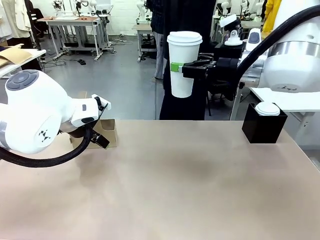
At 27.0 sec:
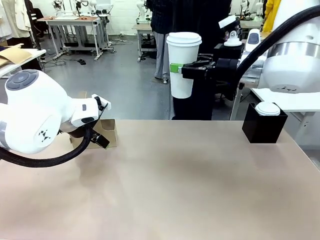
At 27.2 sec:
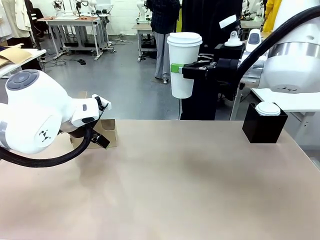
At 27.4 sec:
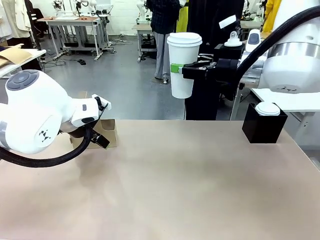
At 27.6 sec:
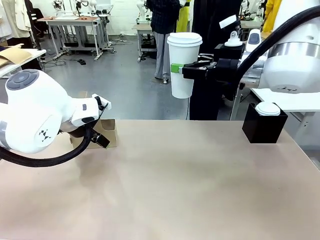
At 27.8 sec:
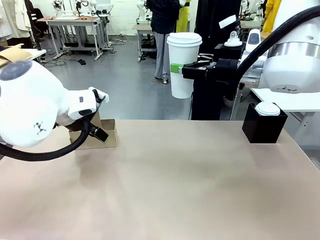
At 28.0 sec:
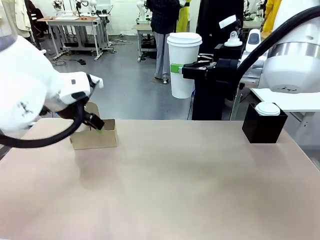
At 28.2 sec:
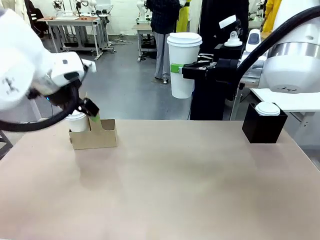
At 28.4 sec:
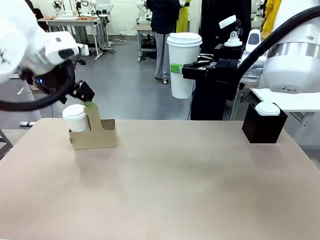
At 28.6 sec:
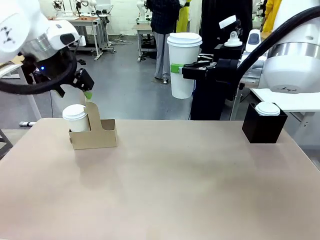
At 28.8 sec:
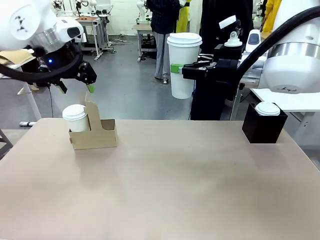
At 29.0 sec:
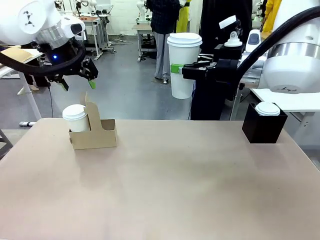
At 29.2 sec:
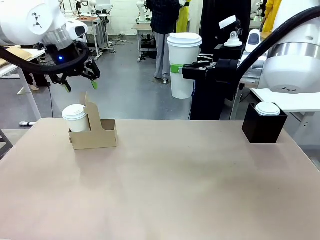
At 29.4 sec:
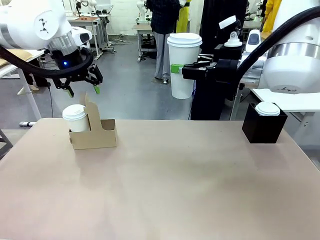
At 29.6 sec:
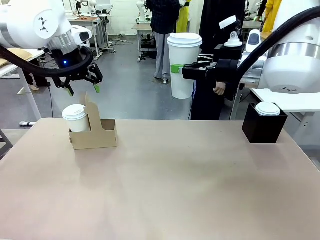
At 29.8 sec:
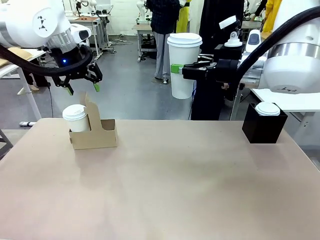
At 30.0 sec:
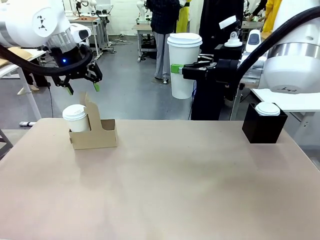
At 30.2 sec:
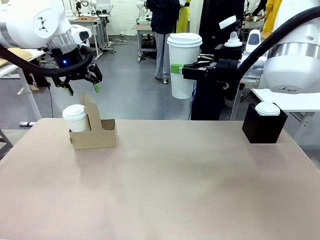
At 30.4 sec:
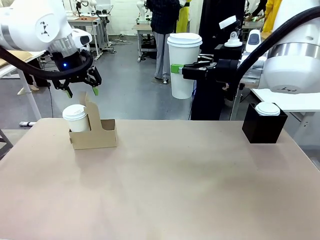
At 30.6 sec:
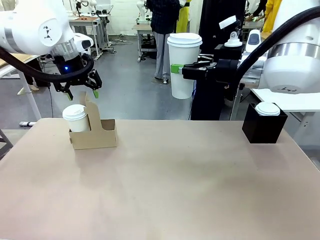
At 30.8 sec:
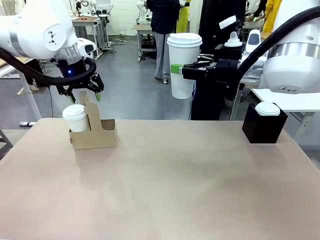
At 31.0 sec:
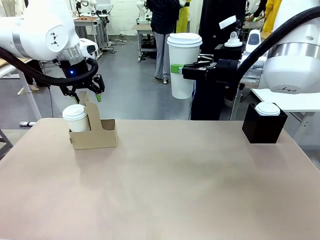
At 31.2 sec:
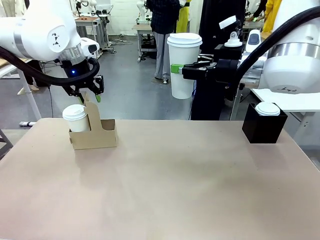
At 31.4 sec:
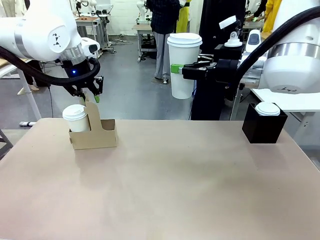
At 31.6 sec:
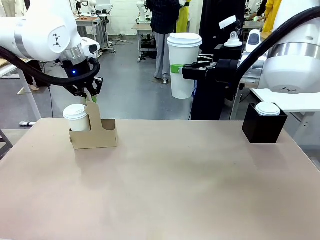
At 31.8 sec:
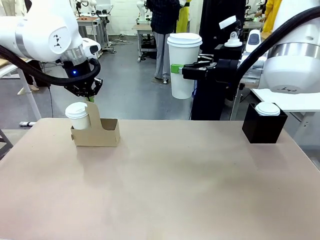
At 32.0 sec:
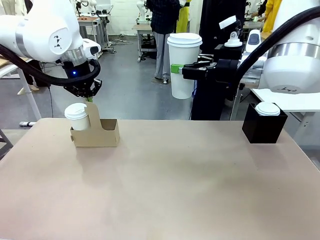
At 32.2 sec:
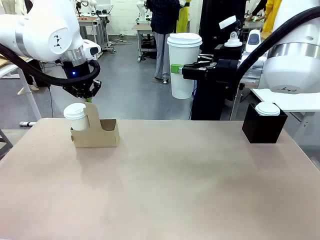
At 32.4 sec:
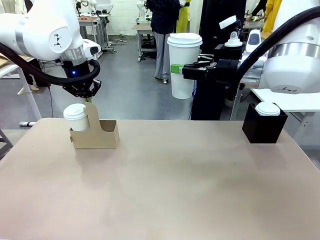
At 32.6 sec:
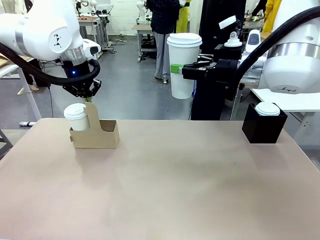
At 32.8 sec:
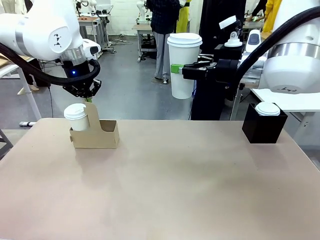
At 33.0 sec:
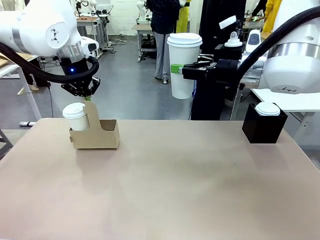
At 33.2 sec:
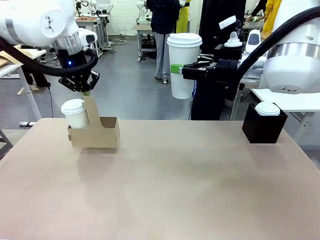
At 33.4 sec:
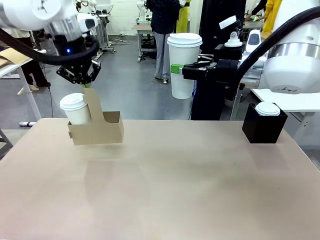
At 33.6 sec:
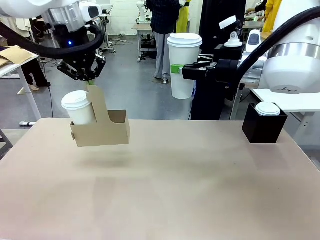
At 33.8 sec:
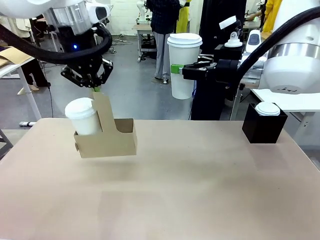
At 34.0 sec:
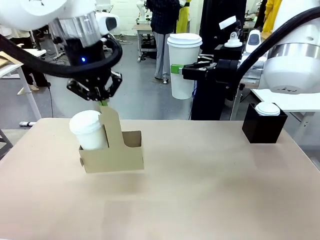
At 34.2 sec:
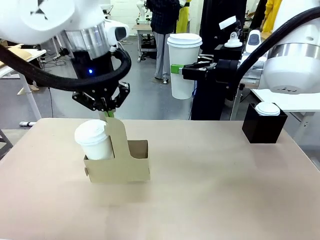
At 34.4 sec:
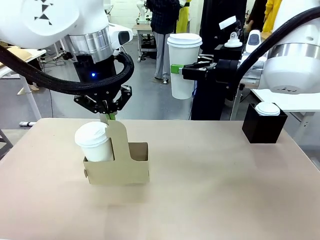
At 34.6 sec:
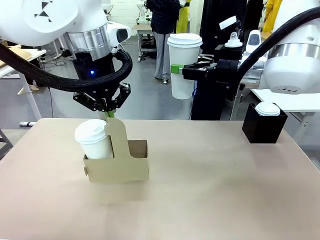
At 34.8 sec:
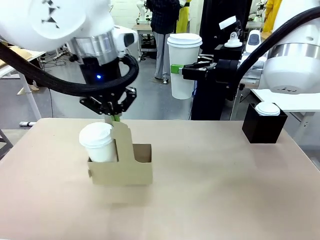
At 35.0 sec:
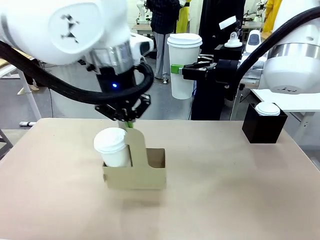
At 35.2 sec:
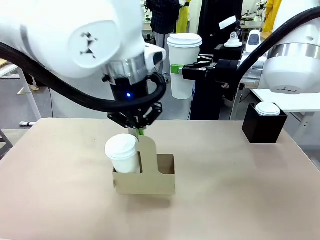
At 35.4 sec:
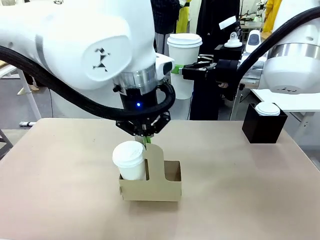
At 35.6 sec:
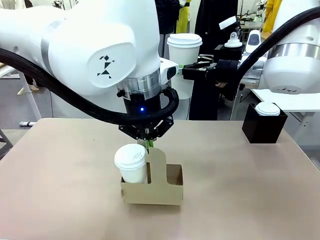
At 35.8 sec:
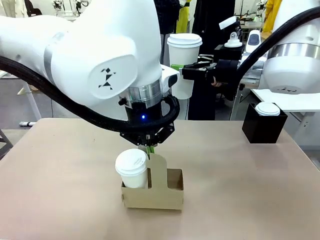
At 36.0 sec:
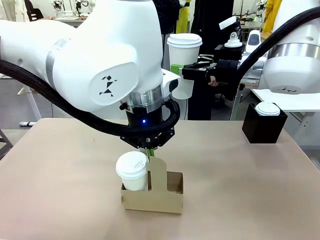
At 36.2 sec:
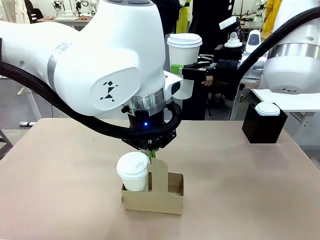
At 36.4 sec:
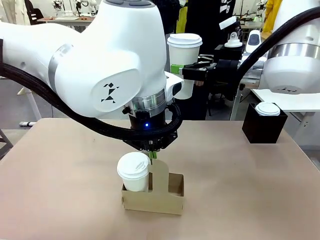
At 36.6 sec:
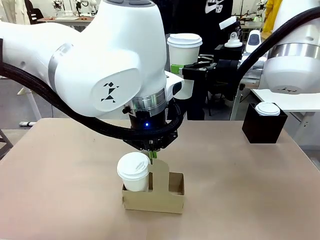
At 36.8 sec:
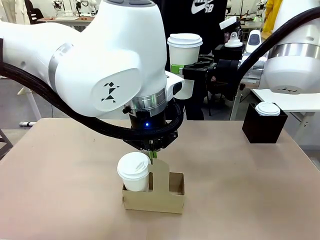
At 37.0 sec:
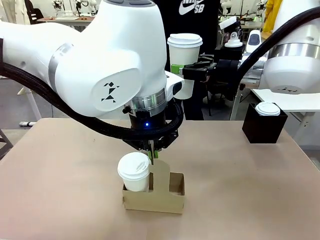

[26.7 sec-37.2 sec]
Task: Pour a drink into a cup and package it in a carrier.
Robot: Position the Cup Carrier in the center of the table.
Person: Pick up the Filter Brewing and place on the middle of Human table, and return to the Robot table.

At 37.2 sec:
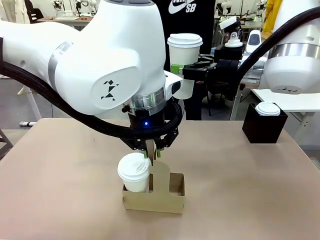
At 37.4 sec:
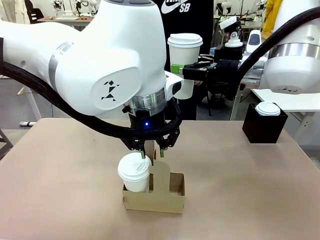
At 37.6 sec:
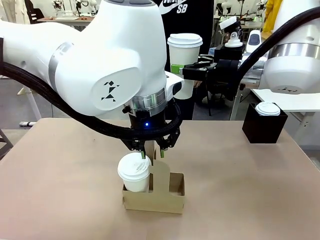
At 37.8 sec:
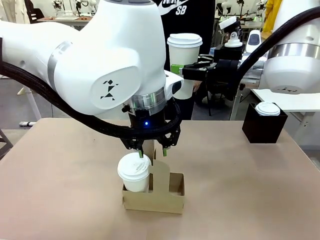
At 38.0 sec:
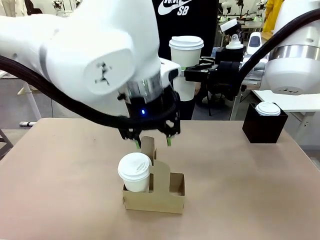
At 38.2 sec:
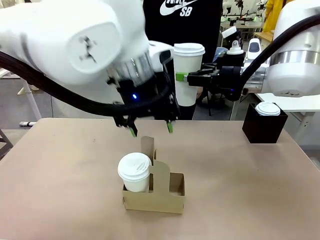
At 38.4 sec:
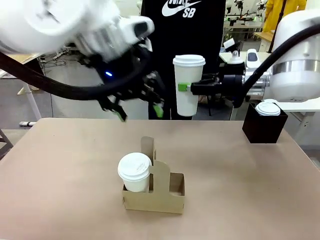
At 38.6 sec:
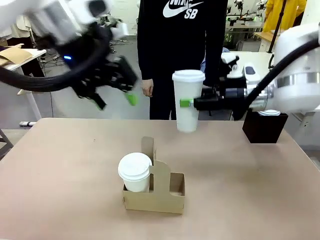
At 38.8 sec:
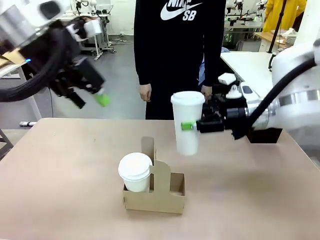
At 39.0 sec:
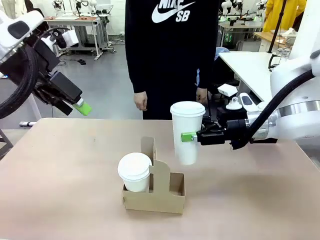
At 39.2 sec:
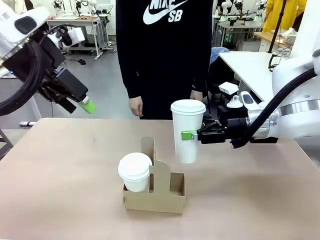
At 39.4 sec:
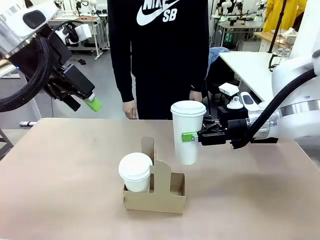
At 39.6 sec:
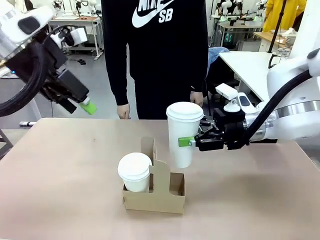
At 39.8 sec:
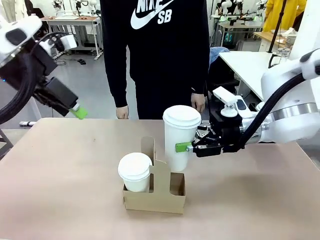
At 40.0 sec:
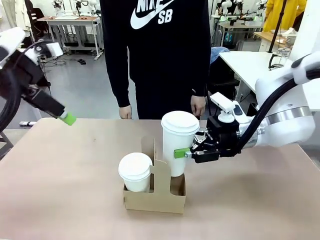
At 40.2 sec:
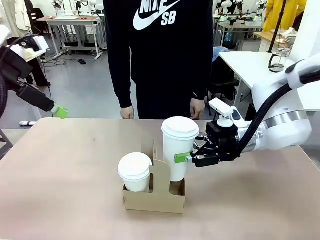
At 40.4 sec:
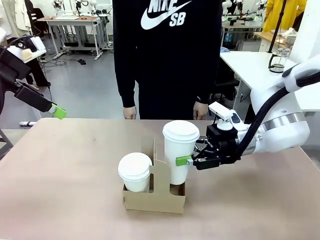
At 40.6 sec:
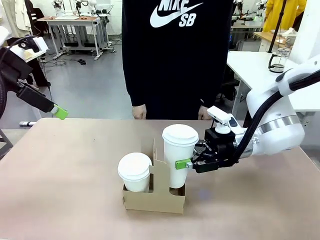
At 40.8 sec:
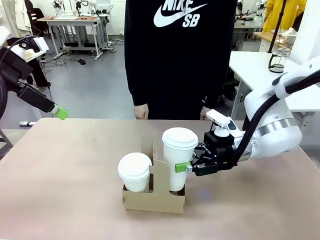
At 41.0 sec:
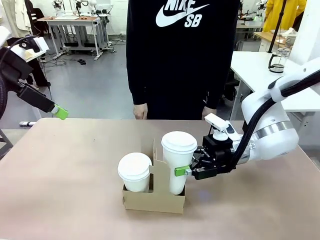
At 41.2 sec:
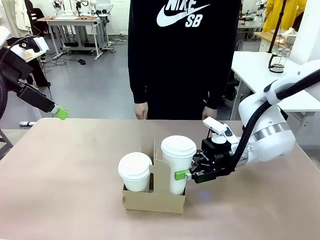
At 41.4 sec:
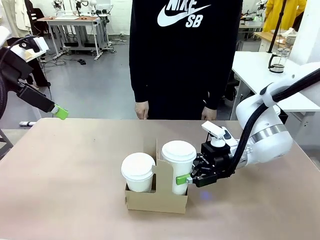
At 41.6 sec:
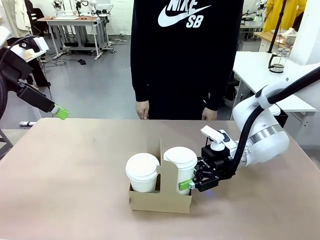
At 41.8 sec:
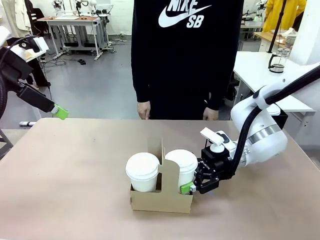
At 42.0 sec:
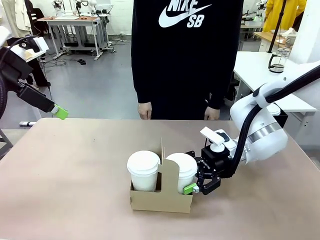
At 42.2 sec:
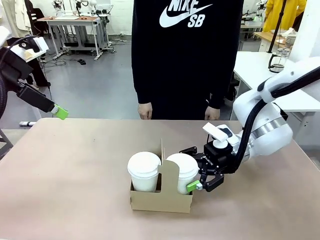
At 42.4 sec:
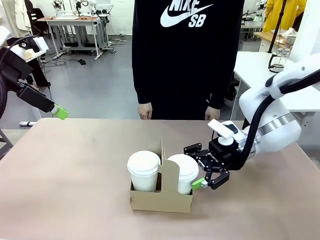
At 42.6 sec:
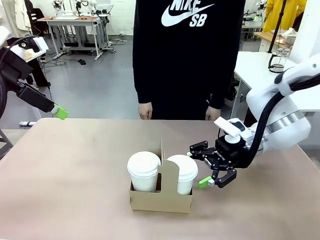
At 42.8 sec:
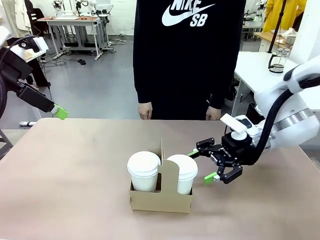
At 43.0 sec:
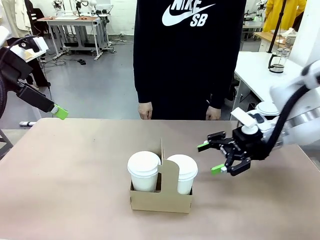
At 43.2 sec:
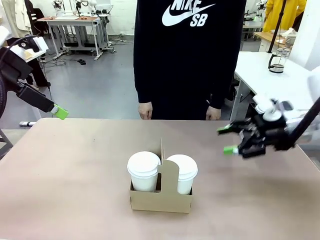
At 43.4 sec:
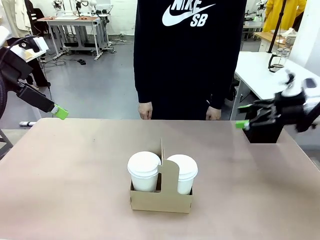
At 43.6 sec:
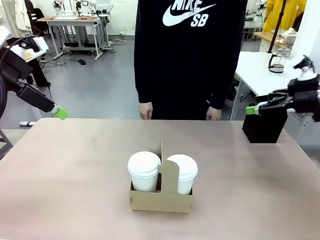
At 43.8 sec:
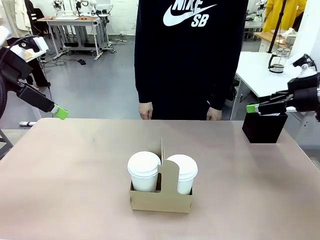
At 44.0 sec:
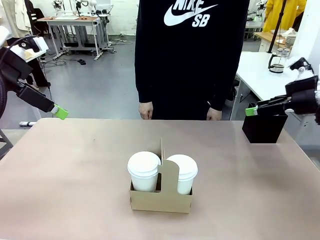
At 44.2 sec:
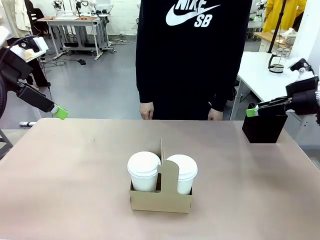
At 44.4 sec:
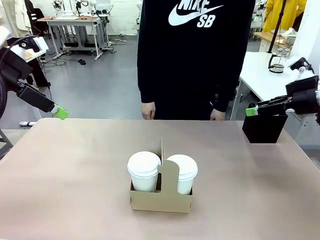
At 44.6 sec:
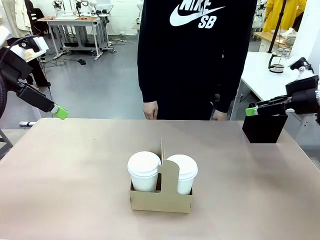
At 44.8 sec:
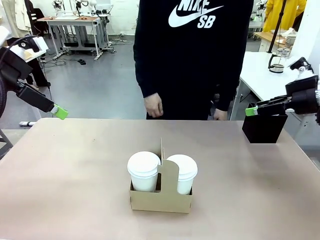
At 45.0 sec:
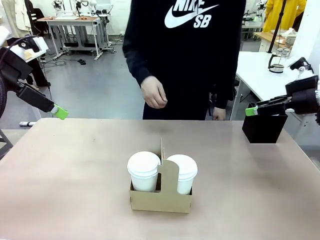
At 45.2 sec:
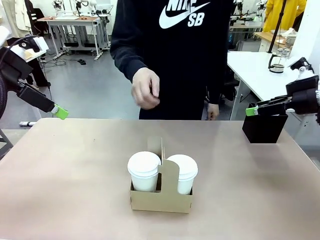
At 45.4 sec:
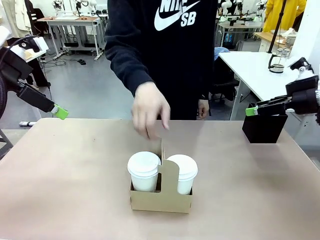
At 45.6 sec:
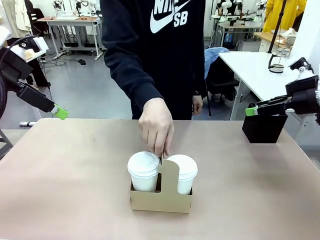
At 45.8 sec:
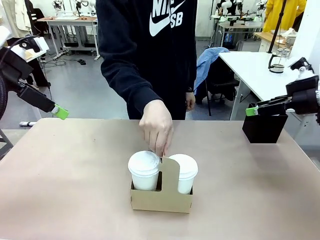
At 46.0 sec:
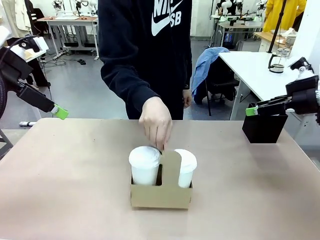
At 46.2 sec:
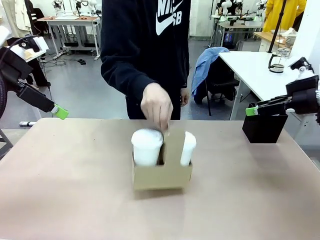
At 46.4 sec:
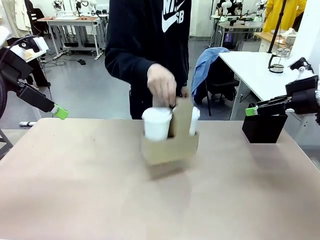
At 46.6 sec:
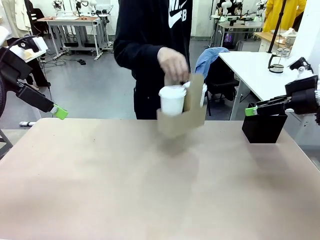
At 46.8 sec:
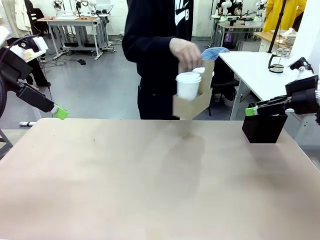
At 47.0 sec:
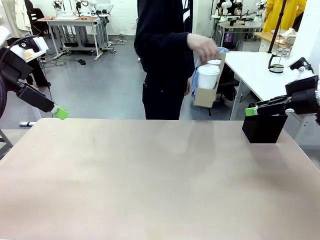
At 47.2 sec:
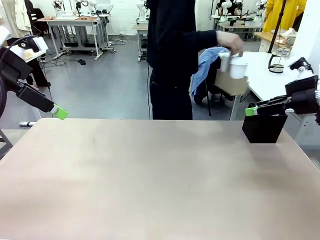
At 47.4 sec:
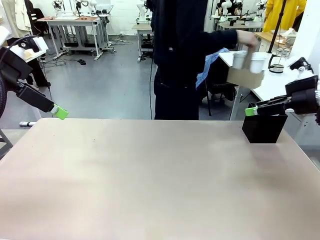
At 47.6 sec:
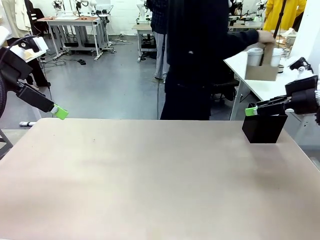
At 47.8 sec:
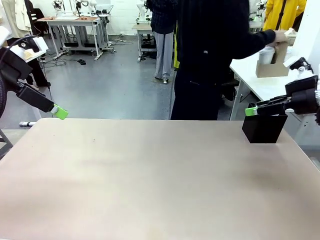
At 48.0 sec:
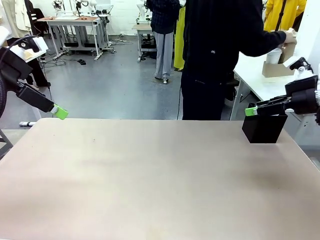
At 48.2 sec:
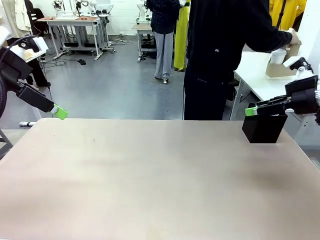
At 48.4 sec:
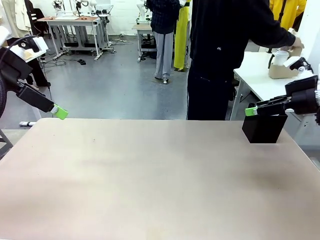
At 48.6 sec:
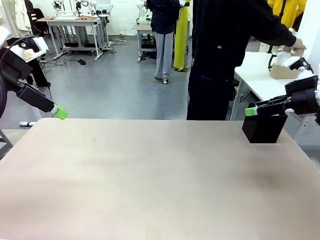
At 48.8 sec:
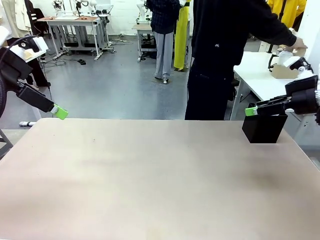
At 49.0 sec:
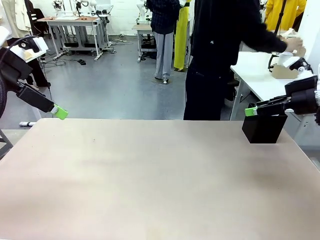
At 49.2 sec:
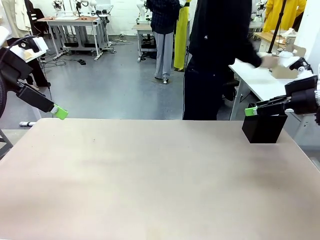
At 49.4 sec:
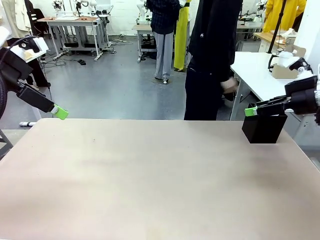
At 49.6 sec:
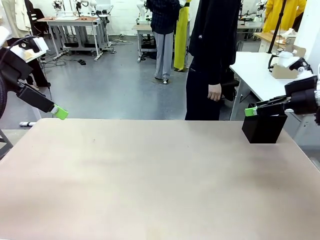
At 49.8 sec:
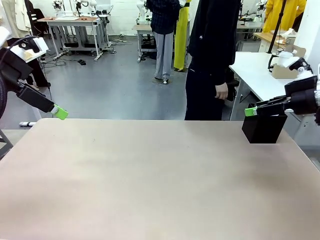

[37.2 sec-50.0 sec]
Robot: Insert the held 600 ml Paper Cup into the Cup Carrier.
Person: Place the Cup Carrier to the middle of Human table.
